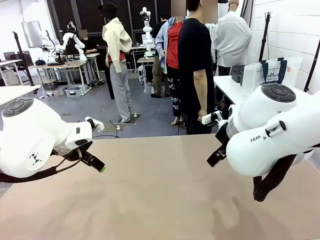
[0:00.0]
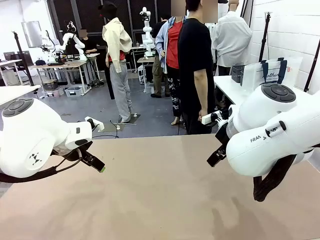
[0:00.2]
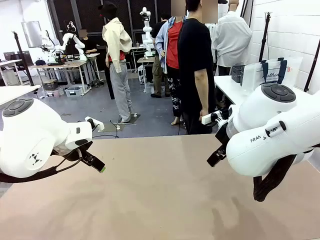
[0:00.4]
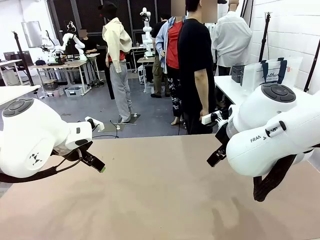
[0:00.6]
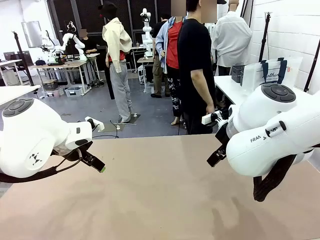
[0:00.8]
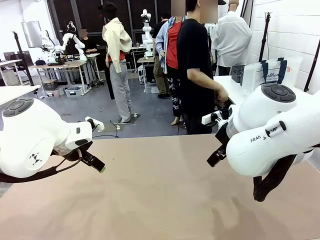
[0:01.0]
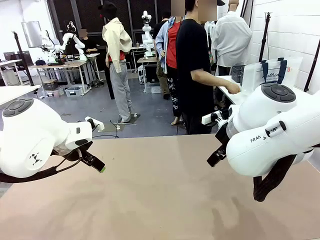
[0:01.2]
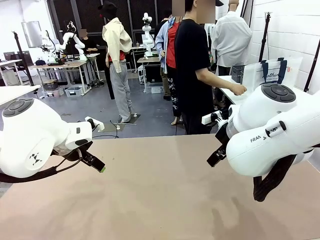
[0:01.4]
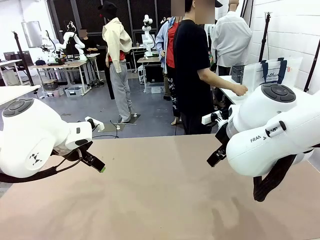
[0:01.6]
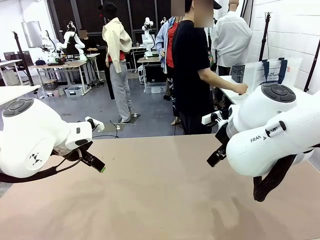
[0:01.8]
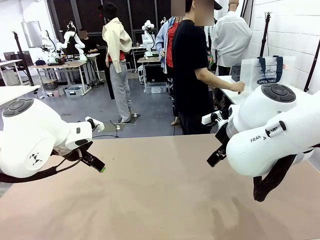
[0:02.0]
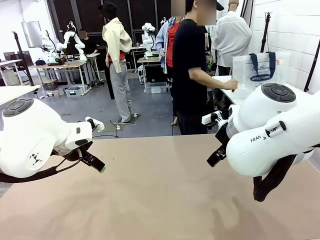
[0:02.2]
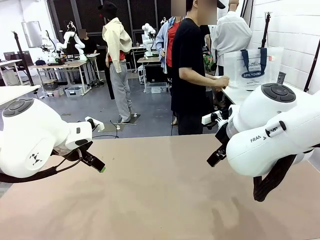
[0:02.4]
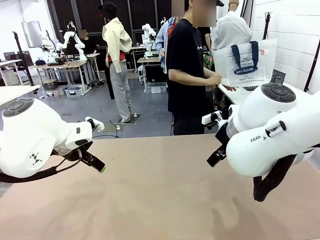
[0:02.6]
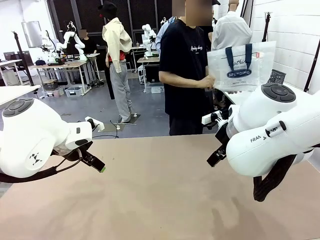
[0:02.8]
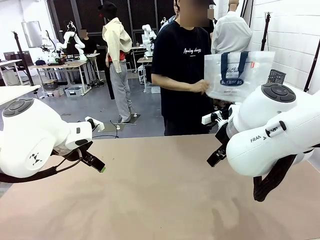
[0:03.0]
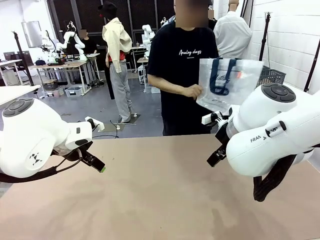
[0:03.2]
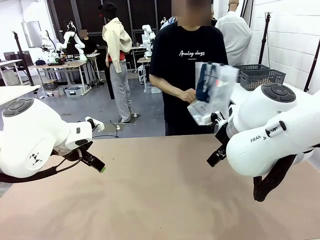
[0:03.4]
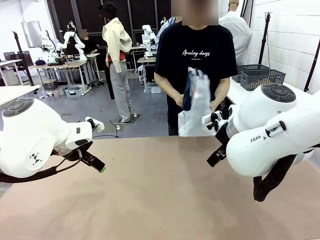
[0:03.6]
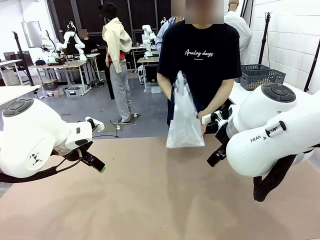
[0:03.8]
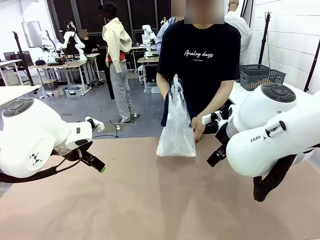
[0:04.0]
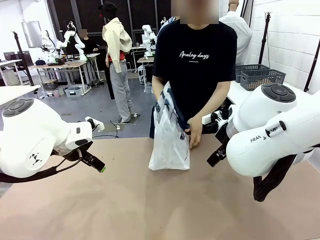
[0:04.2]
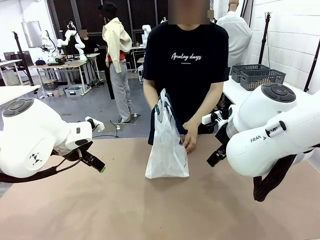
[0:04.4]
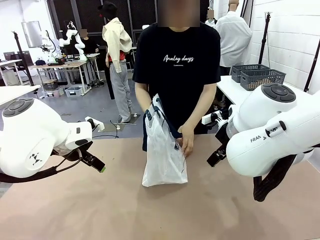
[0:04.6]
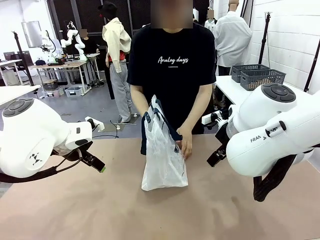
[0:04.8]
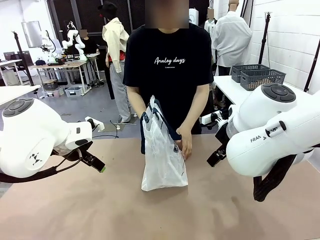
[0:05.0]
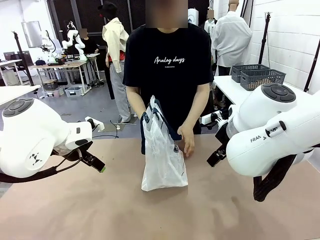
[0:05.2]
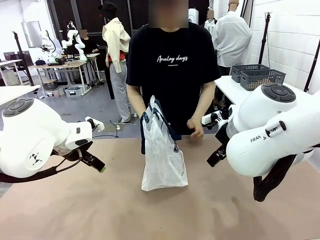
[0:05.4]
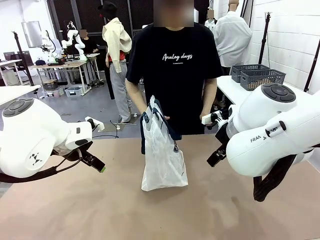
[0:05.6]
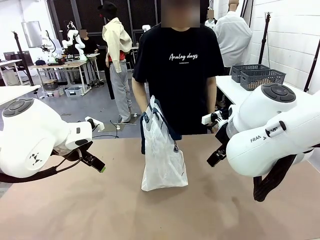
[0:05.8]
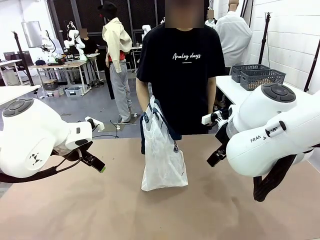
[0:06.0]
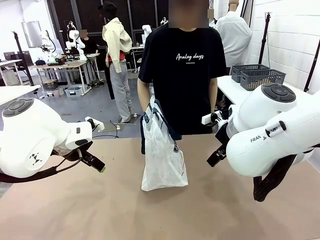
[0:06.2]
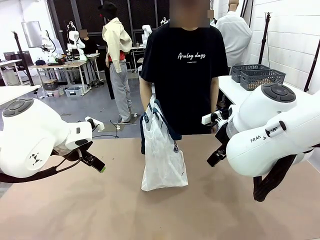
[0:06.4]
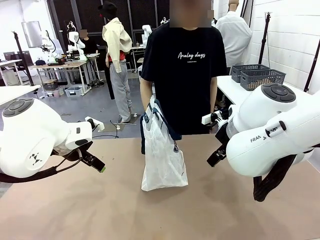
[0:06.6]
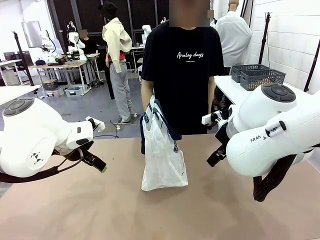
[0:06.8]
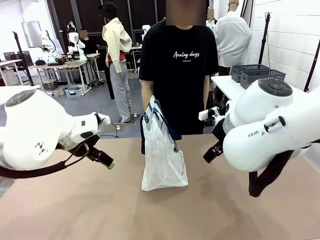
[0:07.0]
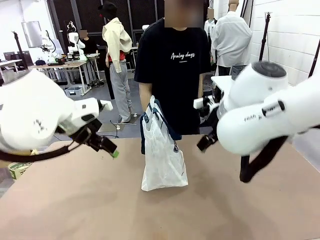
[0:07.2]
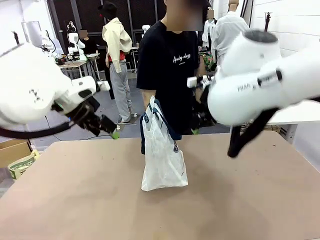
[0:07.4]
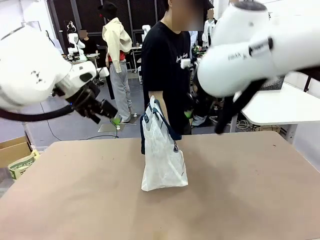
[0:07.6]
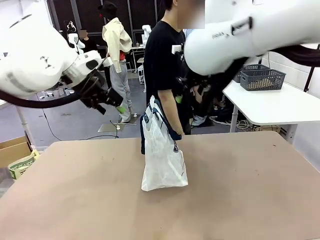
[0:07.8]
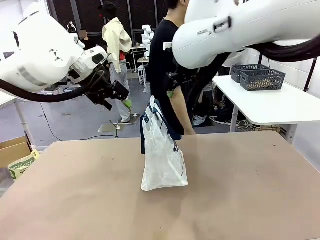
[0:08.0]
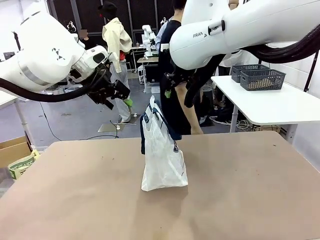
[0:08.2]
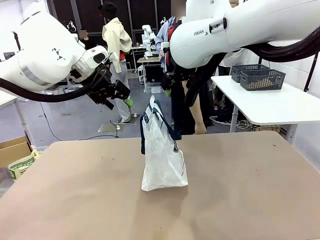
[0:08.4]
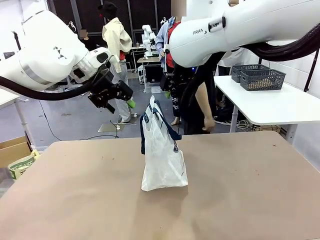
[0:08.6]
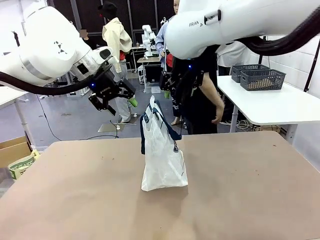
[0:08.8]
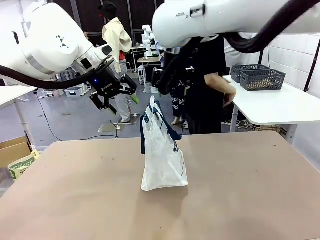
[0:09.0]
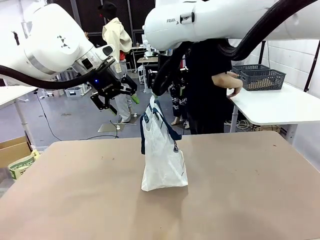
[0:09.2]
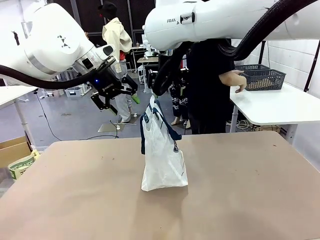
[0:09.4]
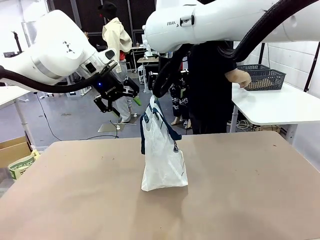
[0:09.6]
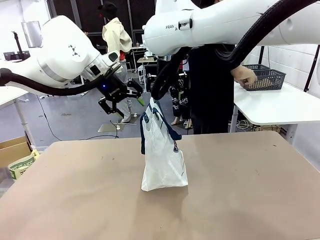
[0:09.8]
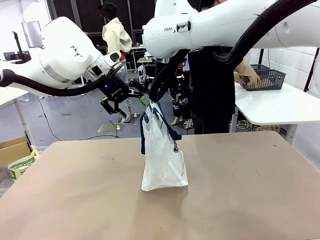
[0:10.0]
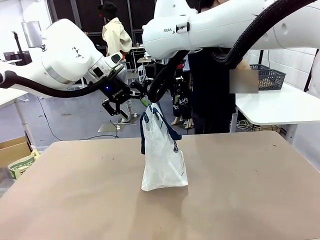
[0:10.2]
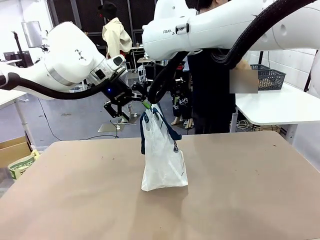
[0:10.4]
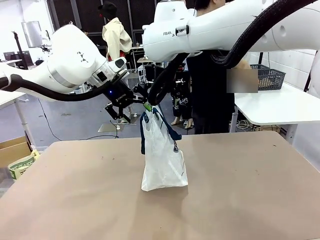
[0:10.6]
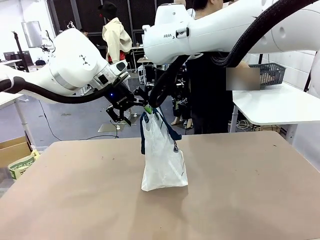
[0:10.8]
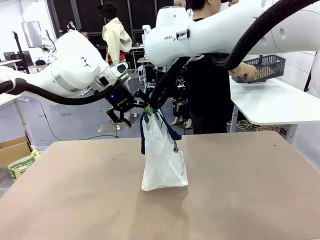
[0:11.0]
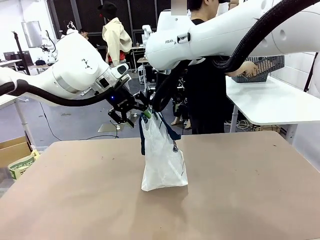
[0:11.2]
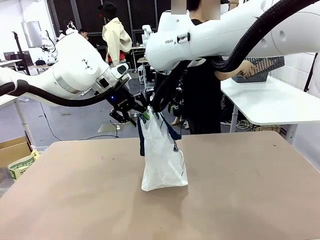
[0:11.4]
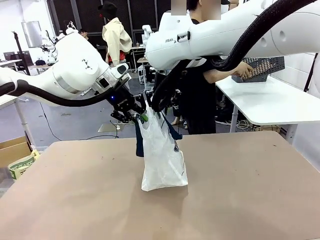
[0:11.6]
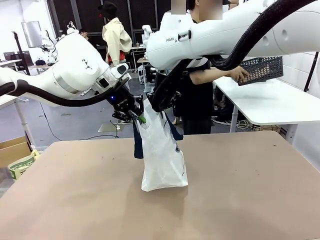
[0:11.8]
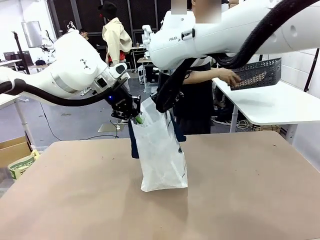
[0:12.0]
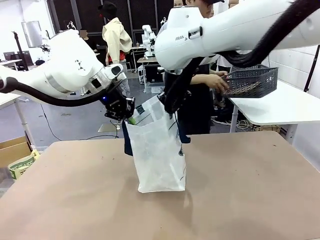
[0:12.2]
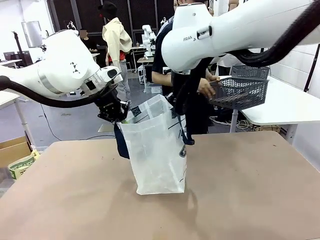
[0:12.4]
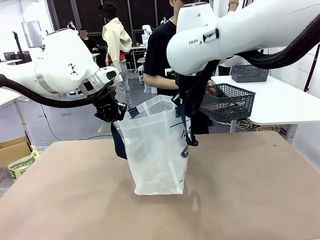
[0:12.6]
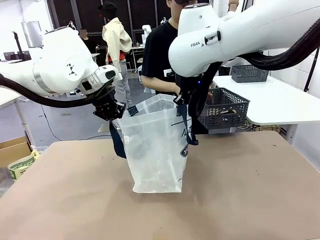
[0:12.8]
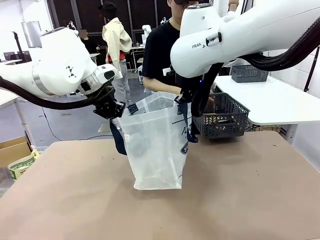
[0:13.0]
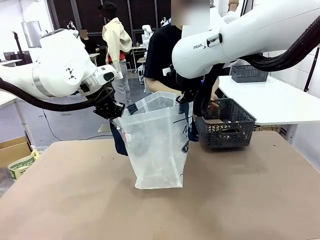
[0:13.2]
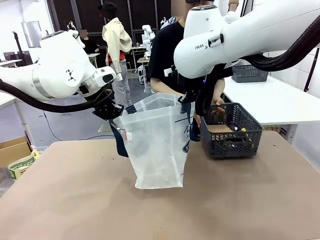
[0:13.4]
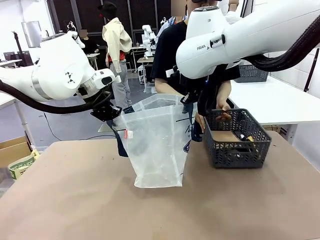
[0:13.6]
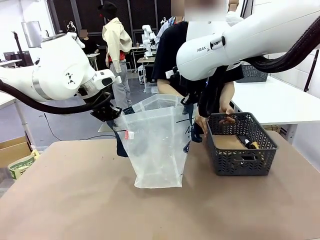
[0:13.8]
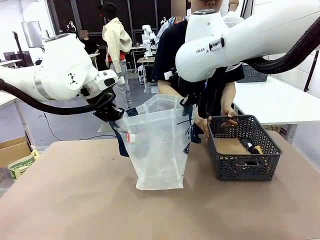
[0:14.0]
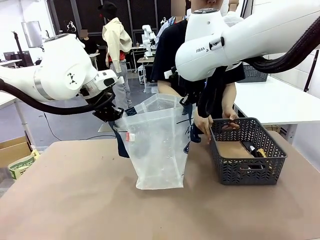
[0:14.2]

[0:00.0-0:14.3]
Task: Transfer purchased items from the store into the shopping bag.
Robot: Open the Reusable shopping bag in the center of the table.
Person: Pick up the shopping bag and place it in the middle of the robot table.
